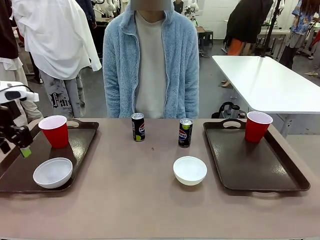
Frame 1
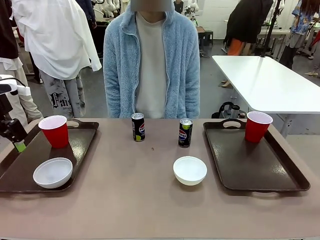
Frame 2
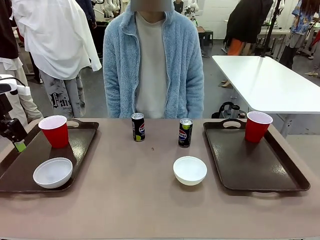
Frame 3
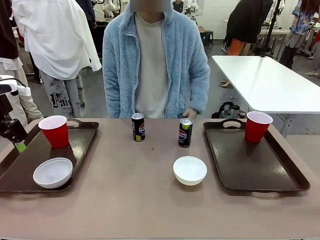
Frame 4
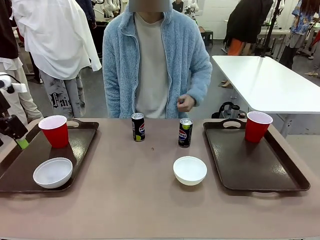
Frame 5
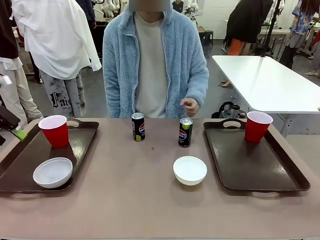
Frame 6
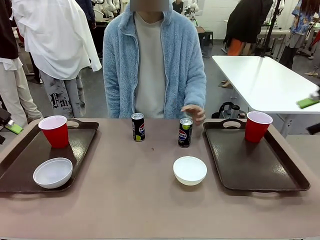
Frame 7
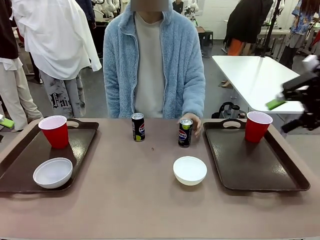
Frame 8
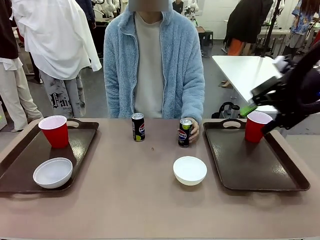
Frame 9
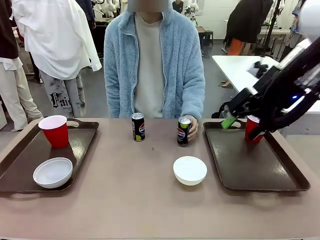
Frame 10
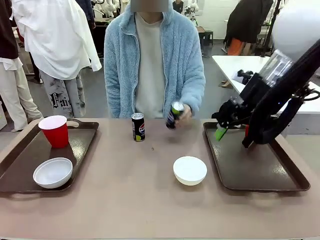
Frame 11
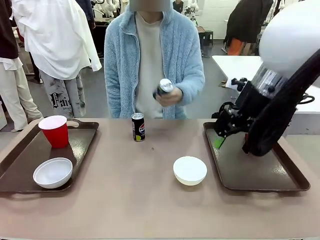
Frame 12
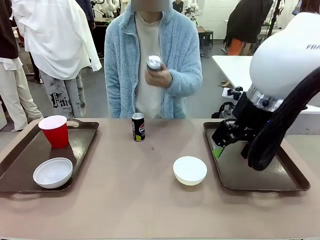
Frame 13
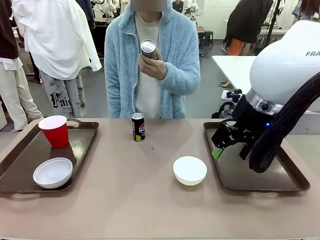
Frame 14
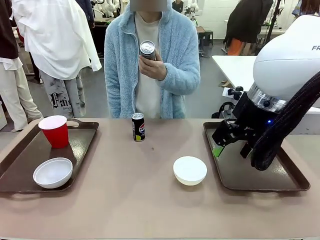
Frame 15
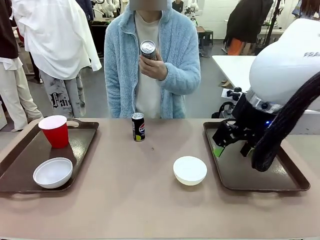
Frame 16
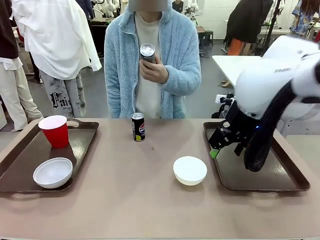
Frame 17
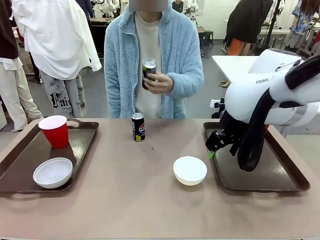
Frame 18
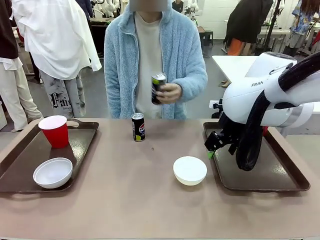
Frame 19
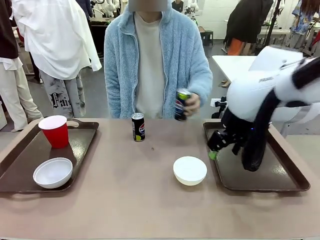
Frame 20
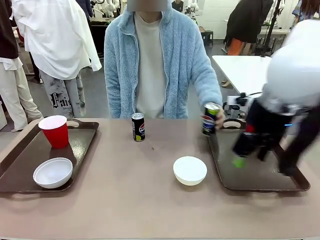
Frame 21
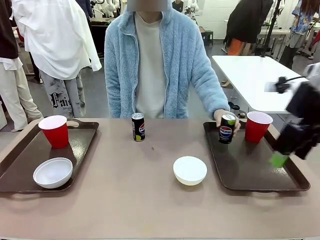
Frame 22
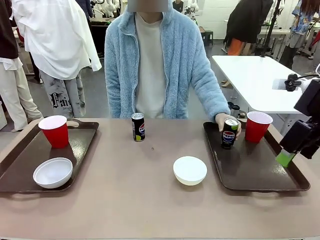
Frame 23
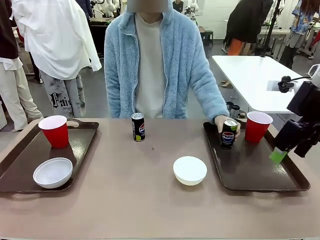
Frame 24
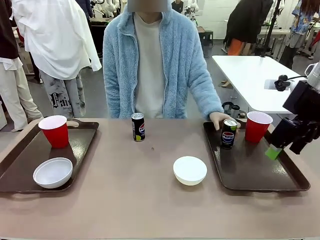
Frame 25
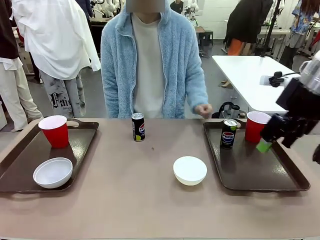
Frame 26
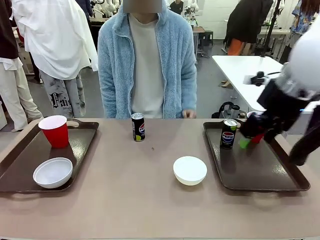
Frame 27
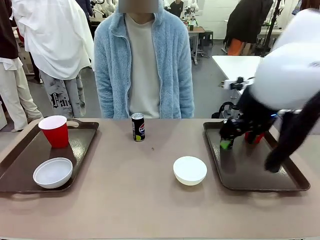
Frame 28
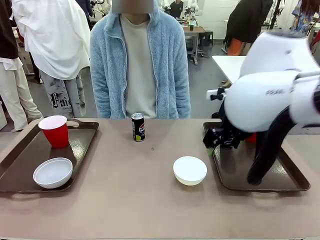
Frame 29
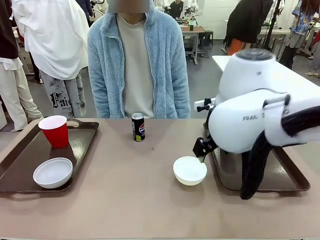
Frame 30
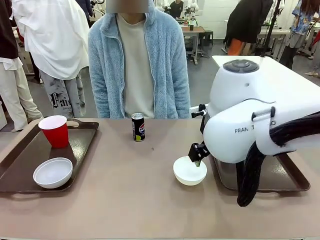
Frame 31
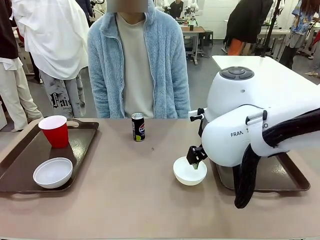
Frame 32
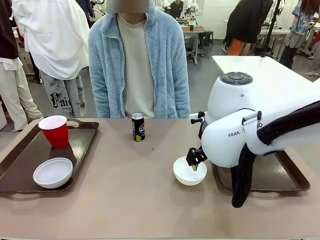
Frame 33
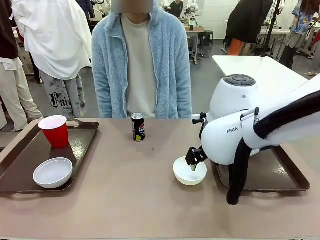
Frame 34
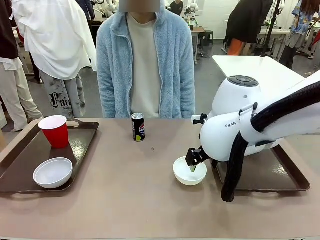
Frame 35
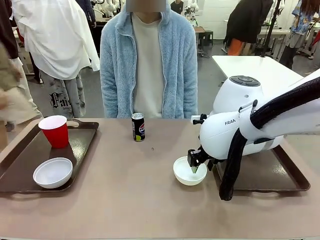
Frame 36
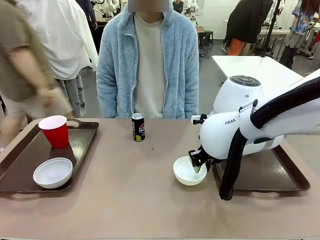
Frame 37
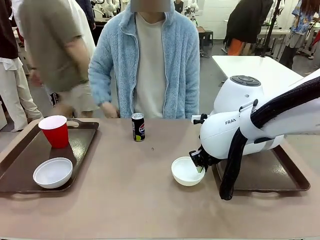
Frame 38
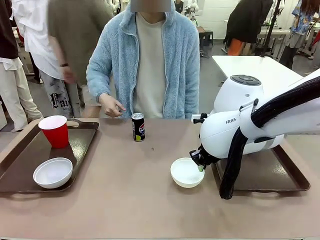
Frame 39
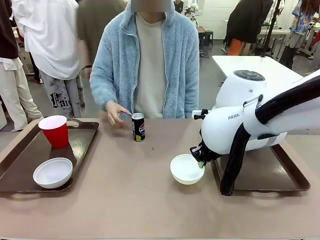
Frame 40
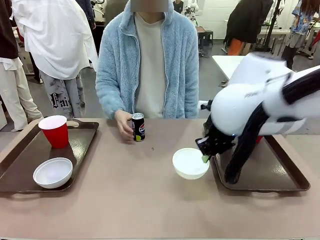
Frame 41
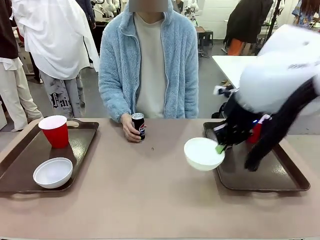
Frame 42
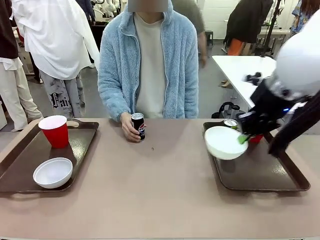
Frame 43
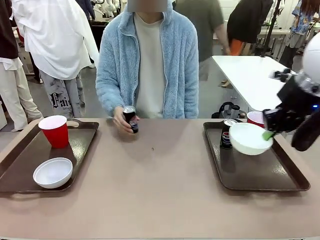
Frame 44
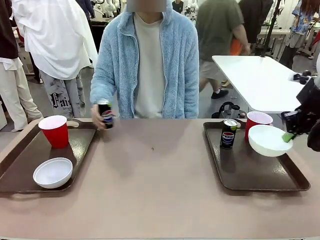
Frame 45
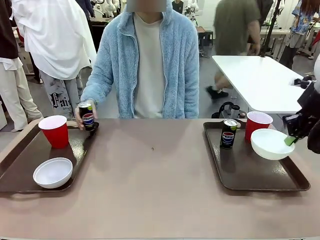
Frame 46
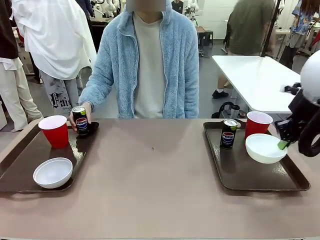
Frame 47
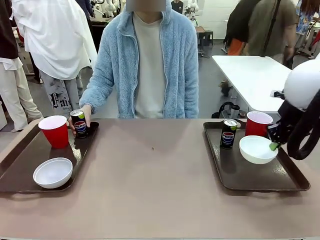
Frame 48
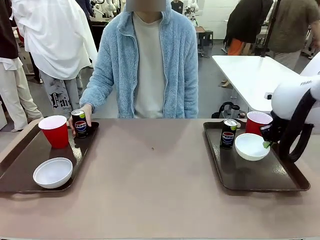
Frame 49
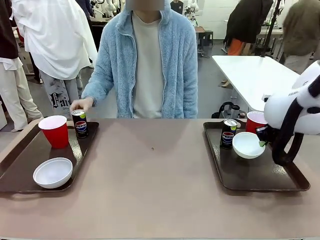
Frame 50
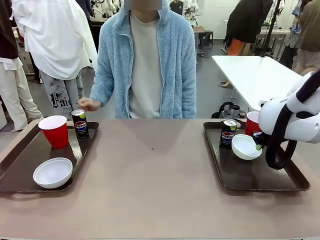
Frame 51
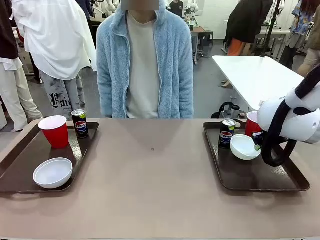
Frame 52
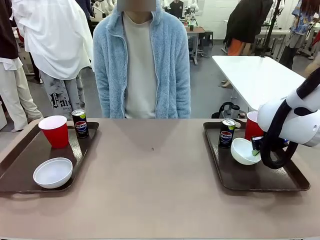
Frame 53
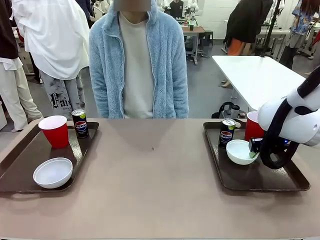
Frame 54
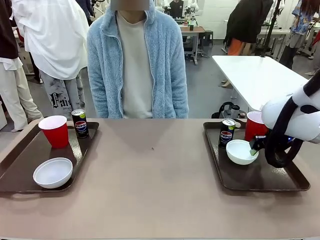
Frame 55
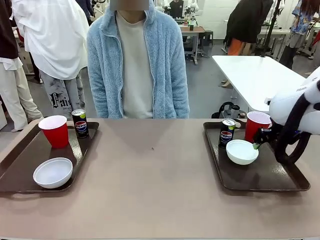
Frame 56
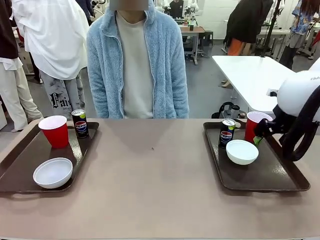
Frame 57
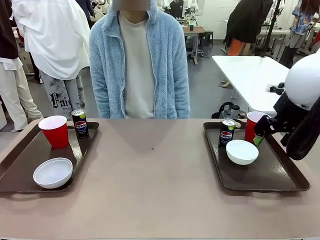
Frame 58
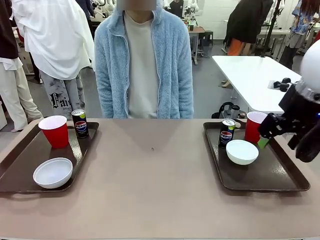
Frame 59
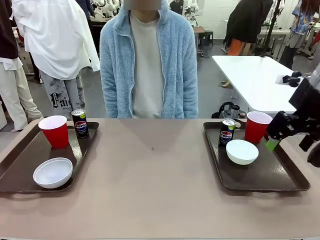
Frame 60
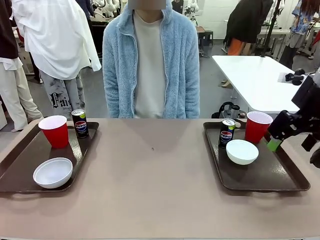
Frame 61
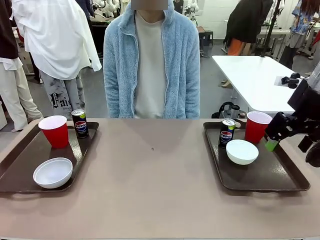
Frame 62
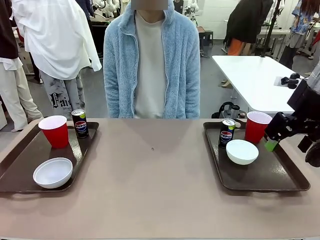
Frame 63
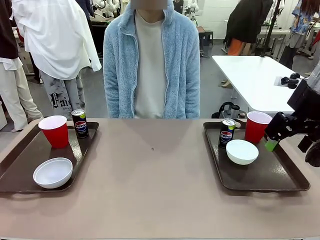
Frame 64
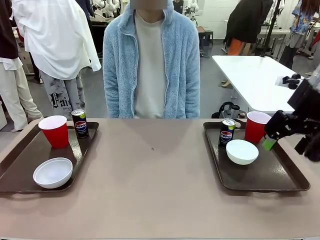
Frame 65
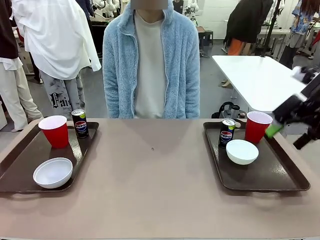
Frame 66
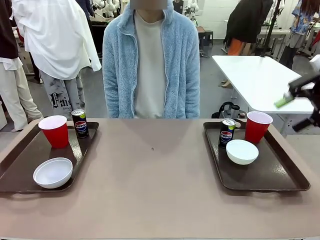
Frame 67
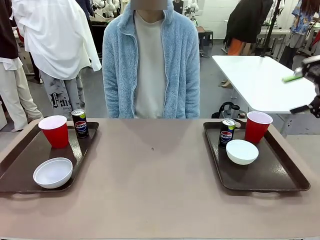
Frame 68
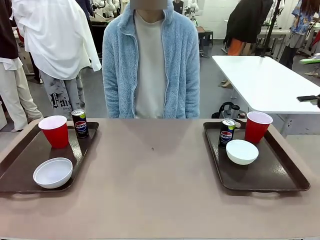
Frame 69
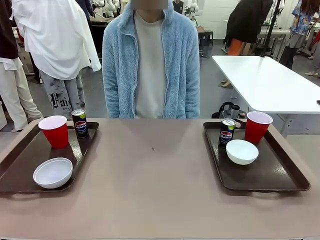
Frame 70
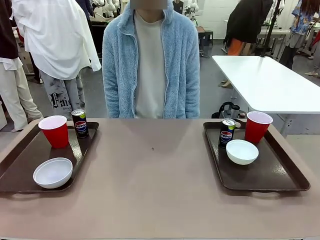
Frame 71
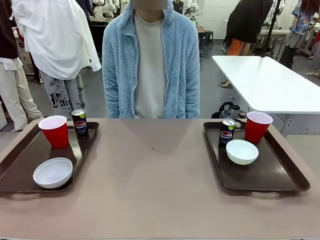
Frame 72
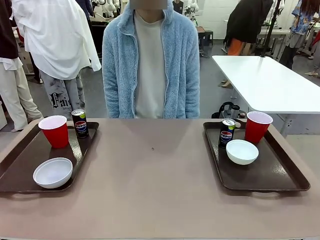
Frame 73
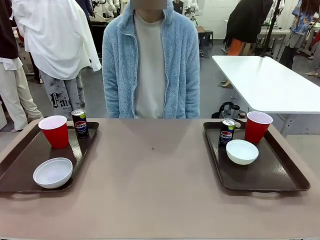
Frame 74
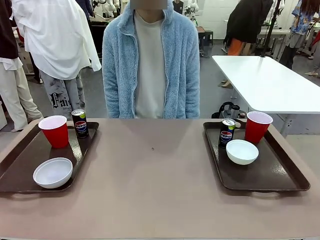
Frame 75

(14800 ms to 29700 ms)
Task: Prepare tableware on both trays.
Robot: Pick up a Picnic Bowl from the table and place it on a Handle tray.
Person: Pick up a can or cup and place it on the tray without a can or cup.

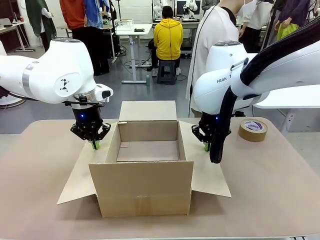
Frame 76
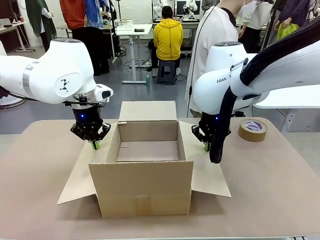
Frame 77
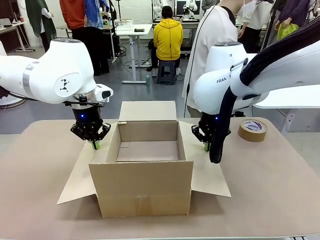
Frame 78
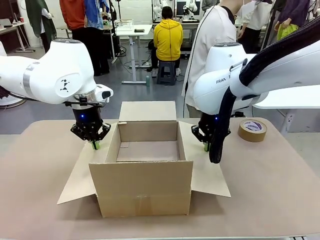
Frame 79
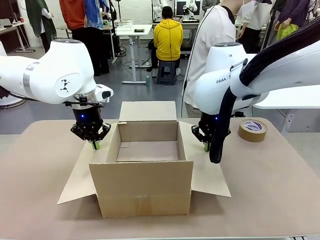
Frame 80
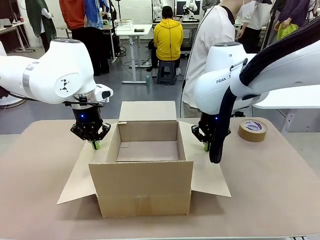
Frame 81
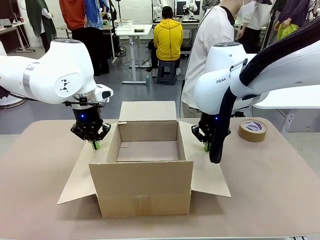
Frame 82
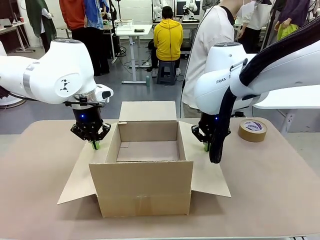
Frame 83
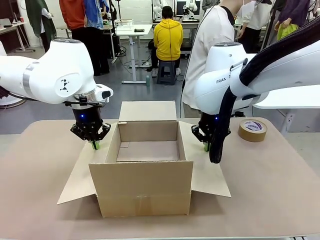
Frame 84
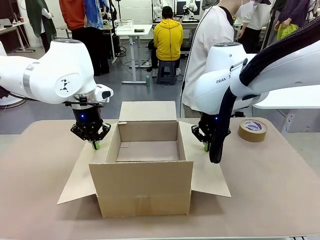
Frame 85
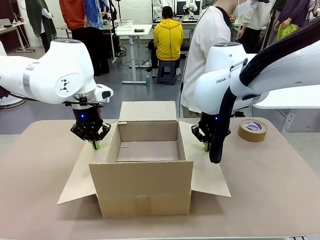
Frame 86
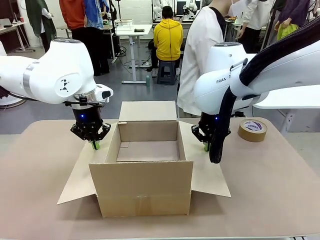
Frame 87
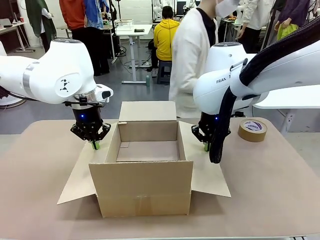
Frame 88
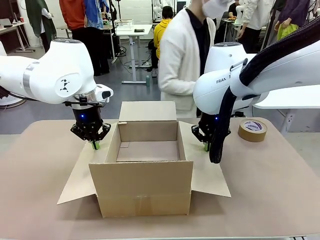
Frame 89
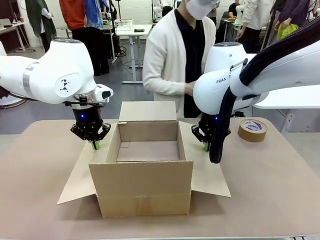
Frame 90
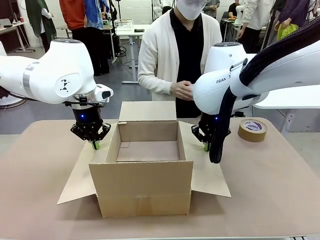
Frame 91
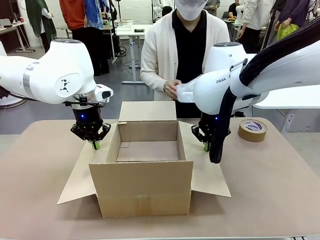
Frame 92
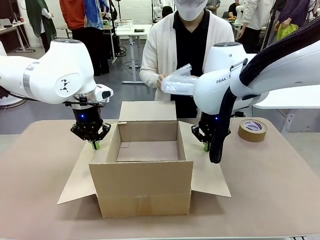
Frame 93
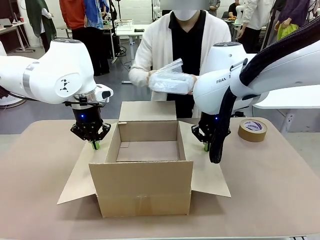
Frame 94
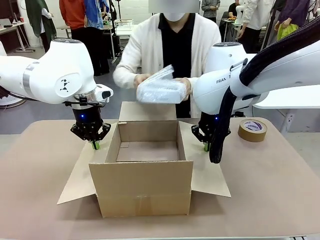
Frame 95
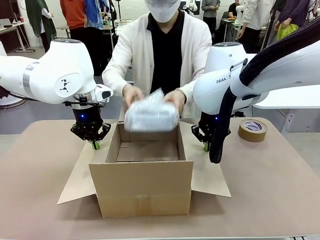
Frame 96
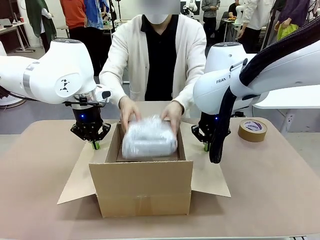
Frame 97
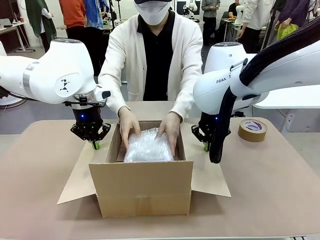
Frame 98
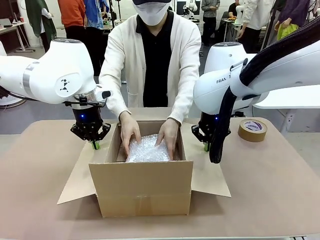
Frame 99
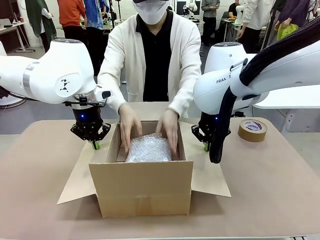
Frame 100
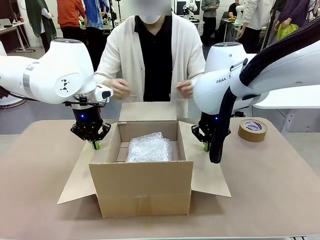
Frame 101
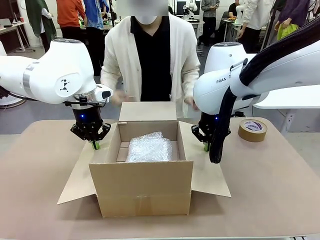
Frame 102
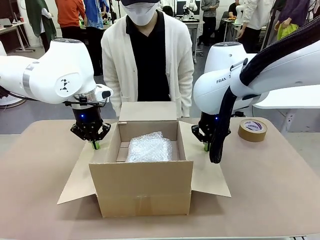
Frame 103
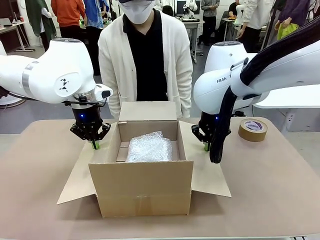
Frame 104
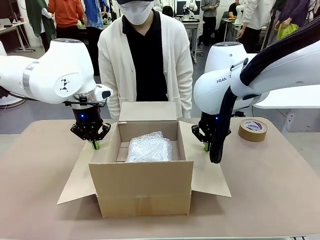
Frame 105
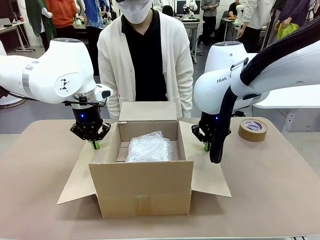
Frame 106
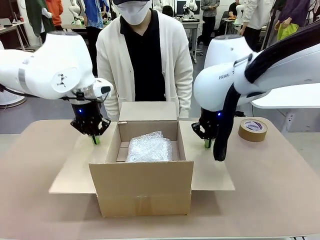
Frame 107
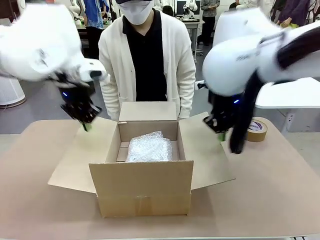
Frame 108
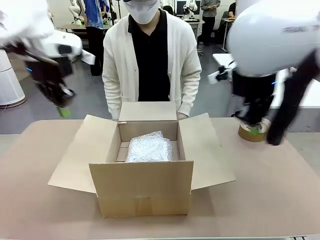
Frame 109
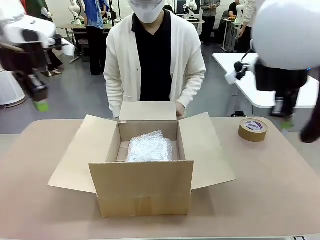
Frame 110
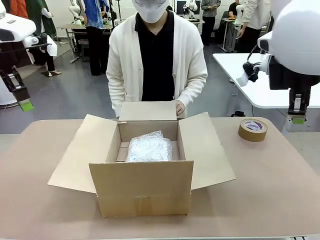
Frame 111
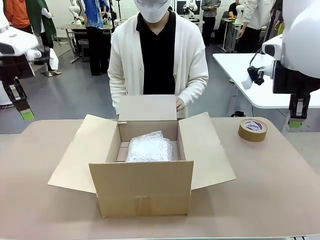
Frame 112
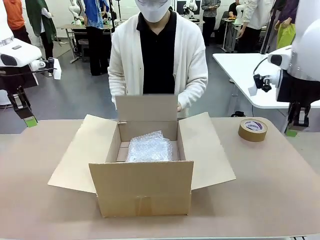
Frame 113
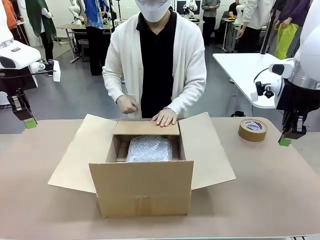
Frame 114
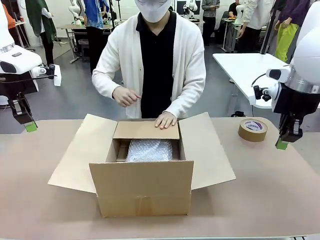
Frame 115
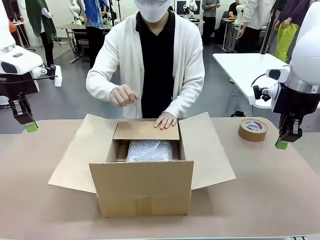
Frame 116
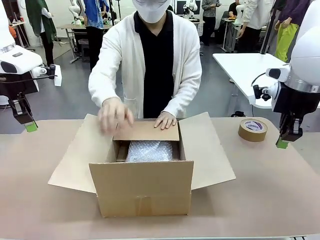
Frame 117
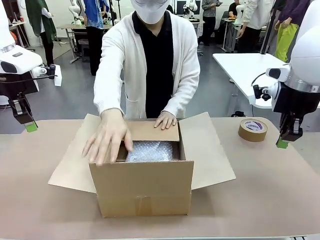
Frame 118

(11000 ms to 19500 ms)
Task: Wrap the clocks to prevent damage.
Robot: Once the human has placed the objects inside and stepped back, release both hands from the side flaps of the Package Box.
Person: Place the wrapped Digital clocks inside the Package Box. Hold the top and bottom flaps of the Package Box closed with your left (or right) hand.
